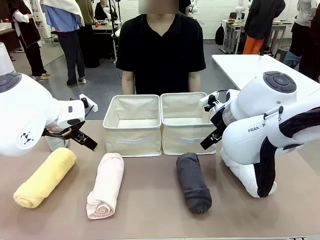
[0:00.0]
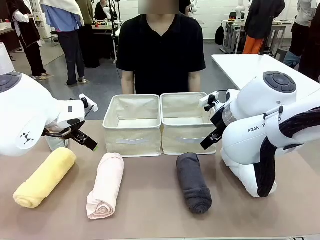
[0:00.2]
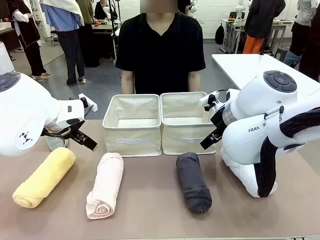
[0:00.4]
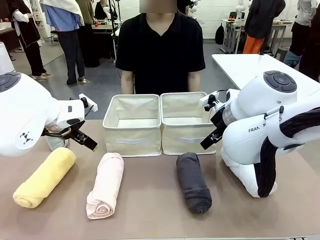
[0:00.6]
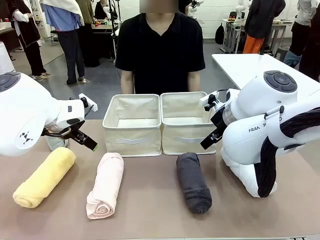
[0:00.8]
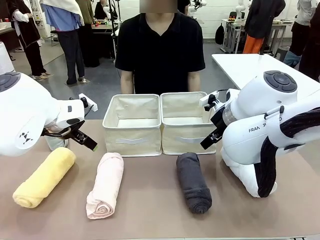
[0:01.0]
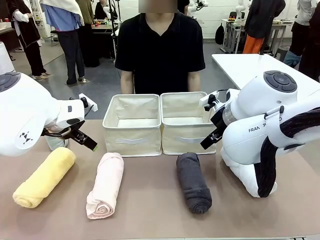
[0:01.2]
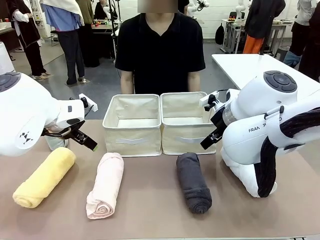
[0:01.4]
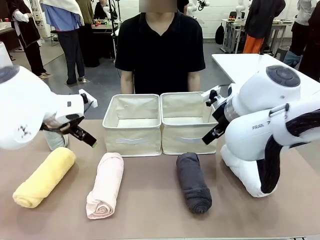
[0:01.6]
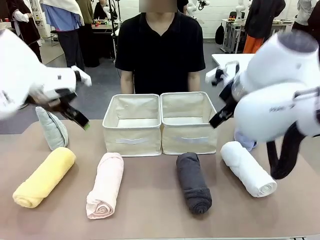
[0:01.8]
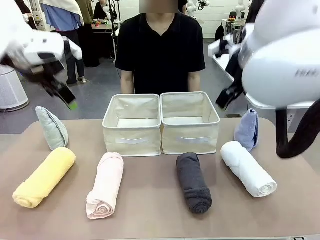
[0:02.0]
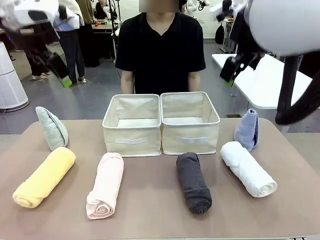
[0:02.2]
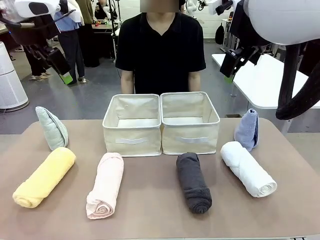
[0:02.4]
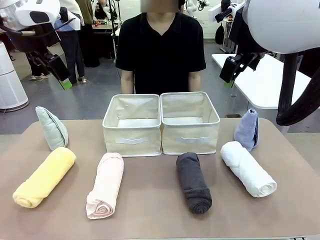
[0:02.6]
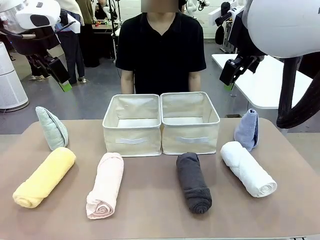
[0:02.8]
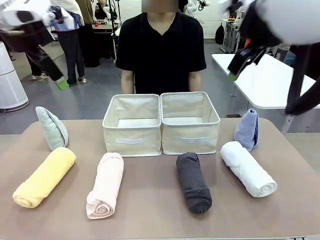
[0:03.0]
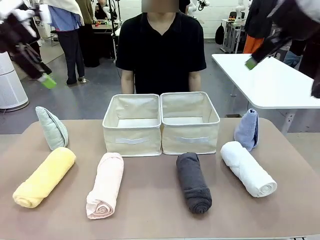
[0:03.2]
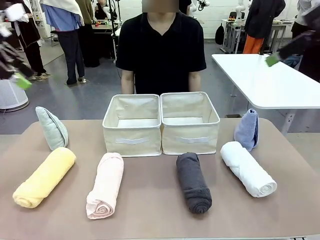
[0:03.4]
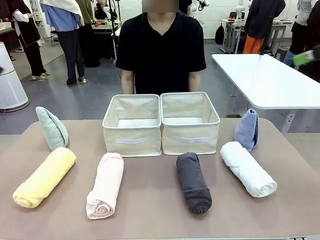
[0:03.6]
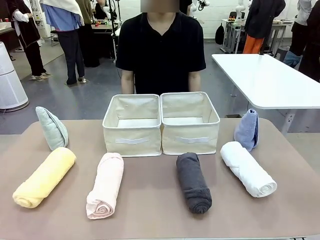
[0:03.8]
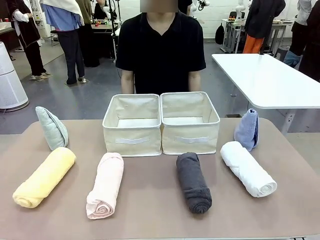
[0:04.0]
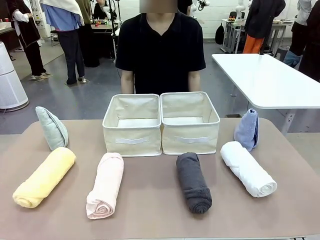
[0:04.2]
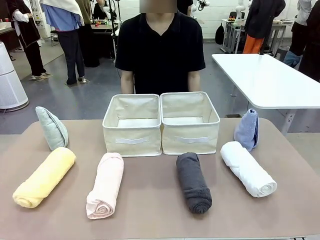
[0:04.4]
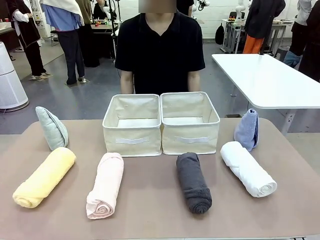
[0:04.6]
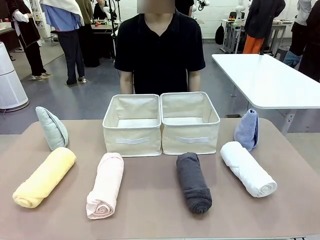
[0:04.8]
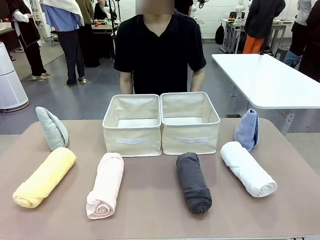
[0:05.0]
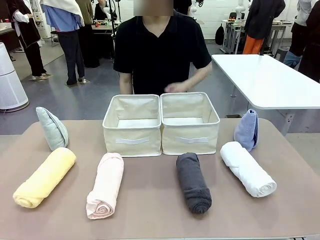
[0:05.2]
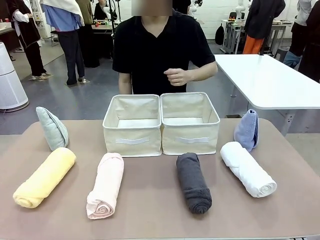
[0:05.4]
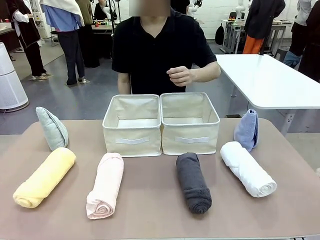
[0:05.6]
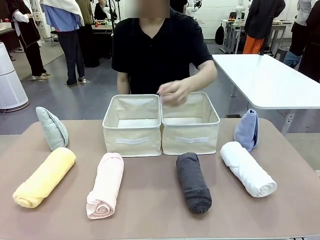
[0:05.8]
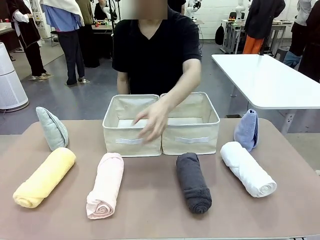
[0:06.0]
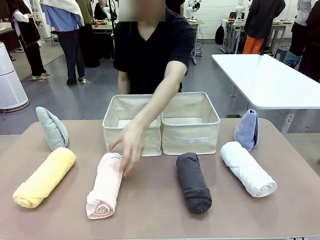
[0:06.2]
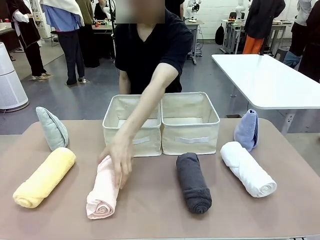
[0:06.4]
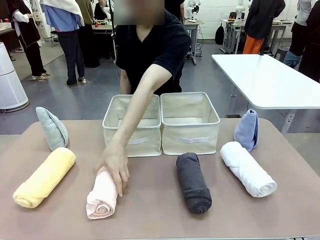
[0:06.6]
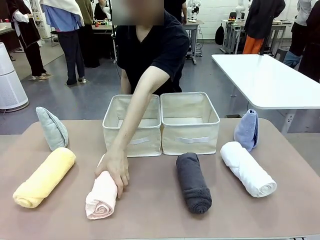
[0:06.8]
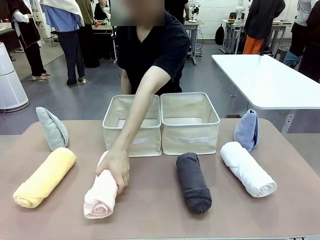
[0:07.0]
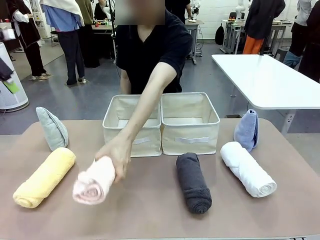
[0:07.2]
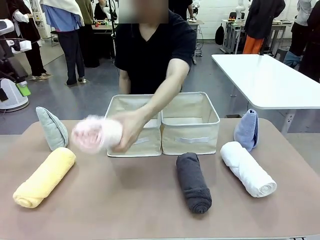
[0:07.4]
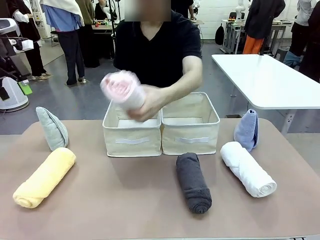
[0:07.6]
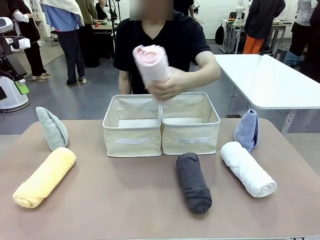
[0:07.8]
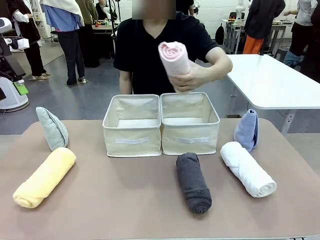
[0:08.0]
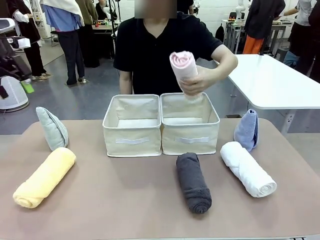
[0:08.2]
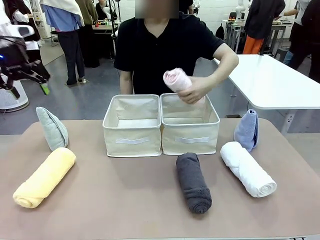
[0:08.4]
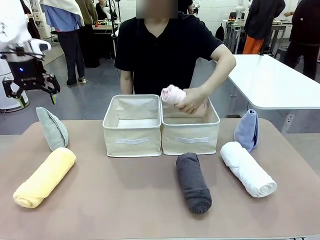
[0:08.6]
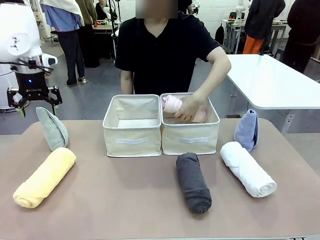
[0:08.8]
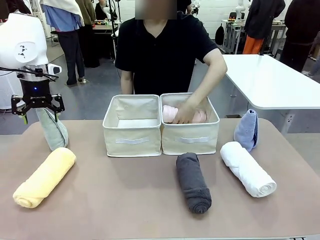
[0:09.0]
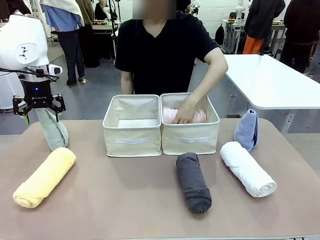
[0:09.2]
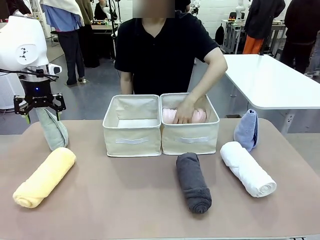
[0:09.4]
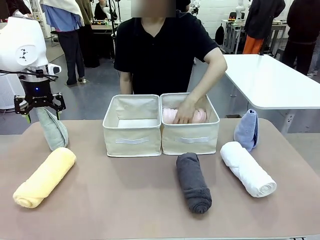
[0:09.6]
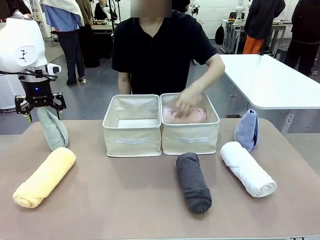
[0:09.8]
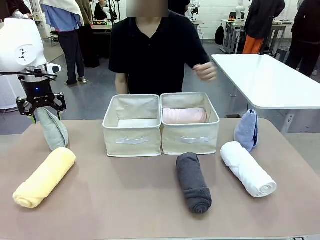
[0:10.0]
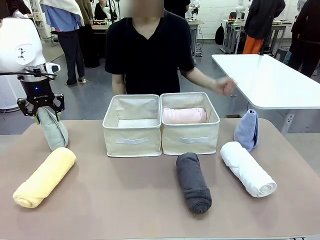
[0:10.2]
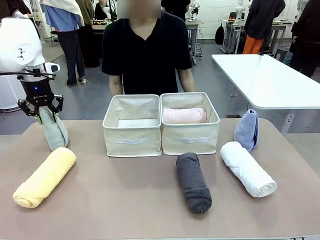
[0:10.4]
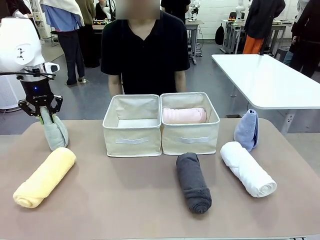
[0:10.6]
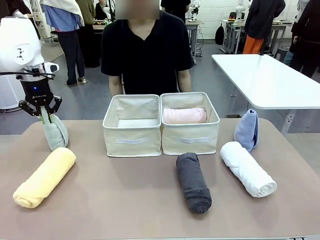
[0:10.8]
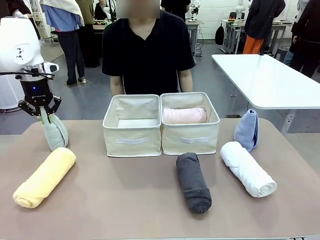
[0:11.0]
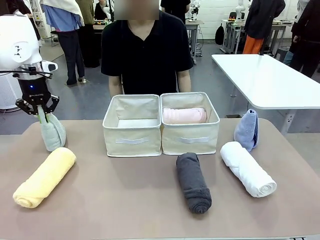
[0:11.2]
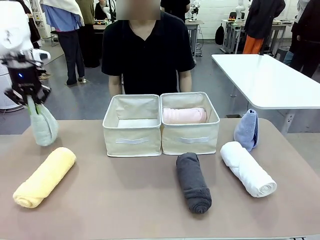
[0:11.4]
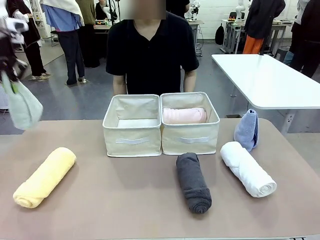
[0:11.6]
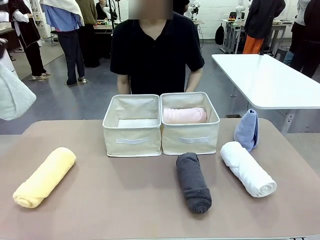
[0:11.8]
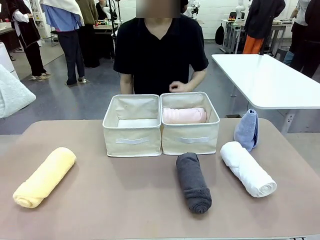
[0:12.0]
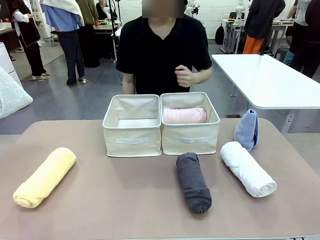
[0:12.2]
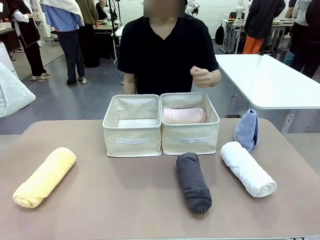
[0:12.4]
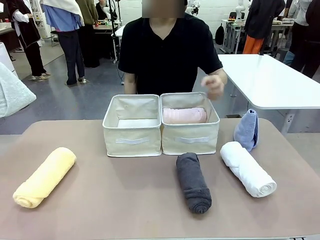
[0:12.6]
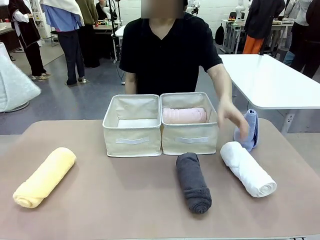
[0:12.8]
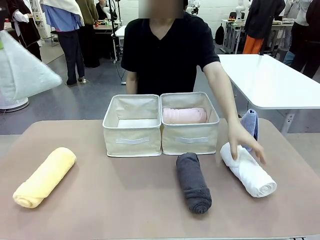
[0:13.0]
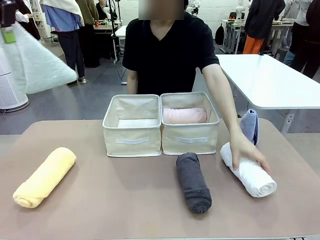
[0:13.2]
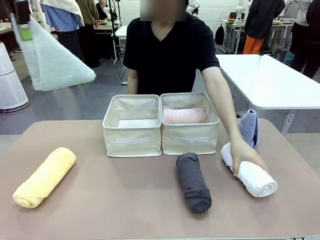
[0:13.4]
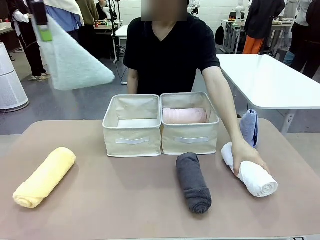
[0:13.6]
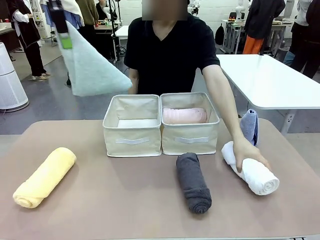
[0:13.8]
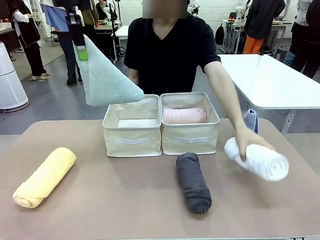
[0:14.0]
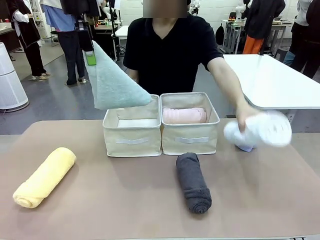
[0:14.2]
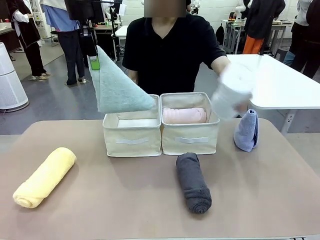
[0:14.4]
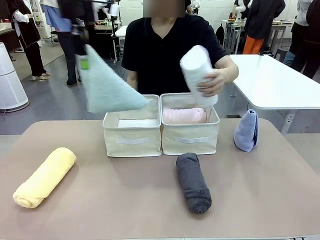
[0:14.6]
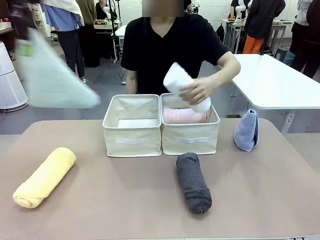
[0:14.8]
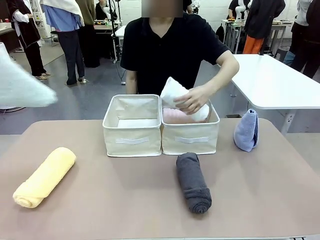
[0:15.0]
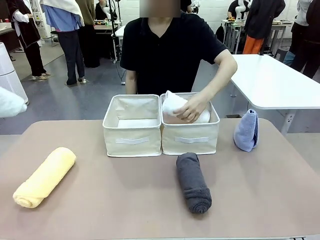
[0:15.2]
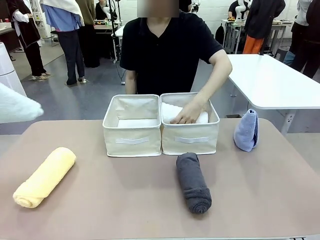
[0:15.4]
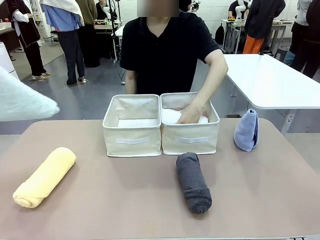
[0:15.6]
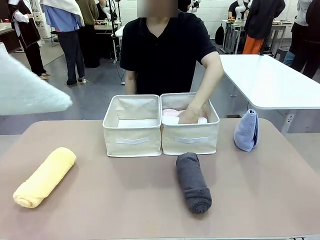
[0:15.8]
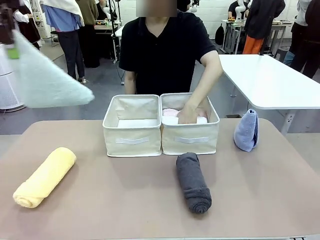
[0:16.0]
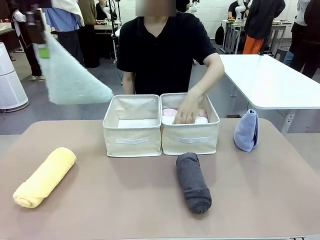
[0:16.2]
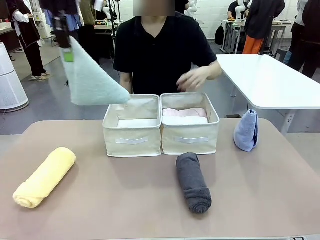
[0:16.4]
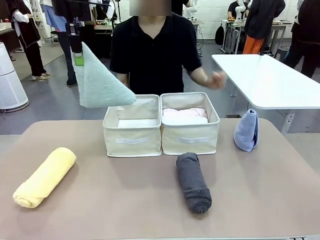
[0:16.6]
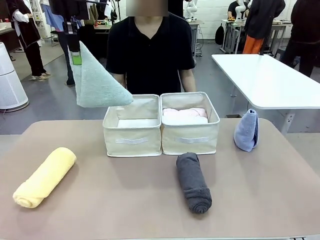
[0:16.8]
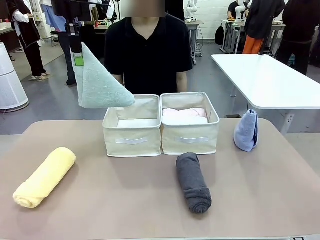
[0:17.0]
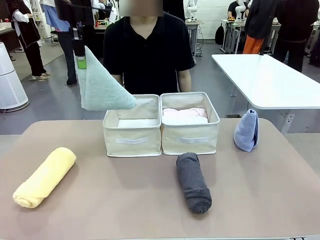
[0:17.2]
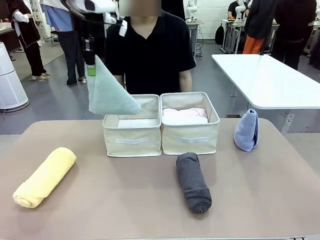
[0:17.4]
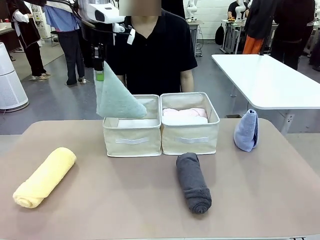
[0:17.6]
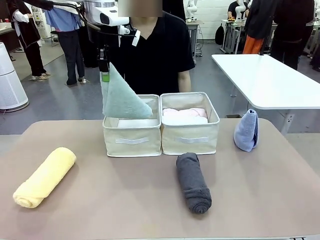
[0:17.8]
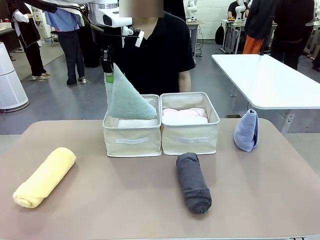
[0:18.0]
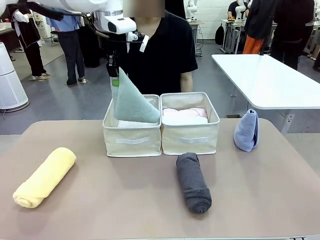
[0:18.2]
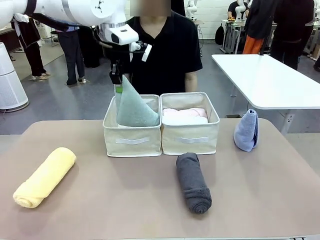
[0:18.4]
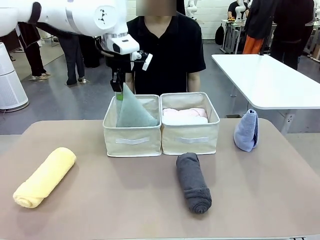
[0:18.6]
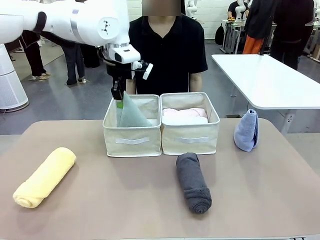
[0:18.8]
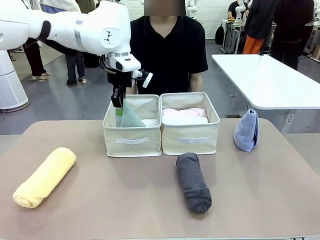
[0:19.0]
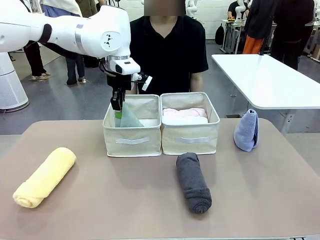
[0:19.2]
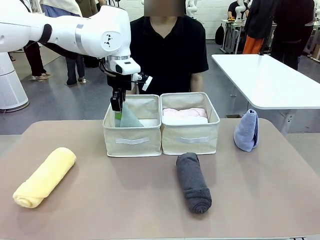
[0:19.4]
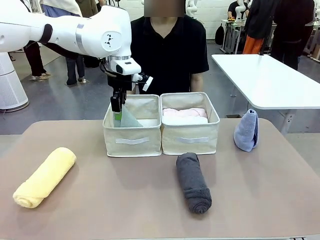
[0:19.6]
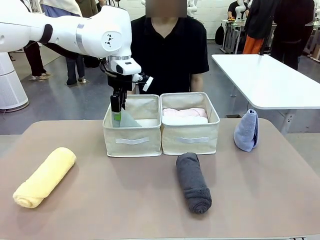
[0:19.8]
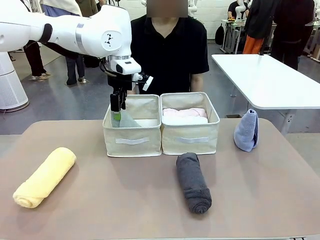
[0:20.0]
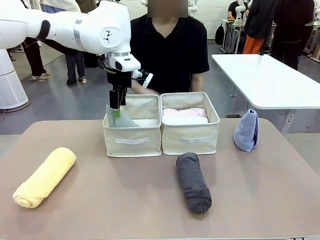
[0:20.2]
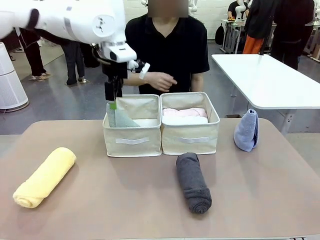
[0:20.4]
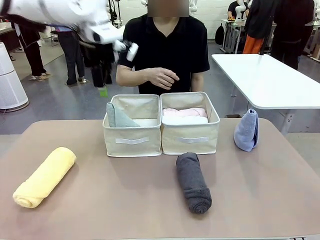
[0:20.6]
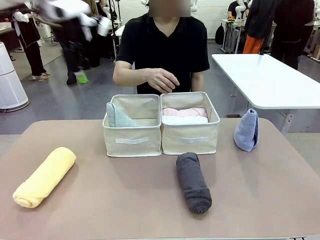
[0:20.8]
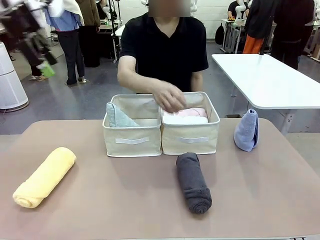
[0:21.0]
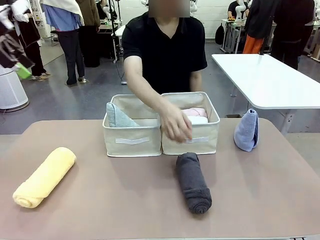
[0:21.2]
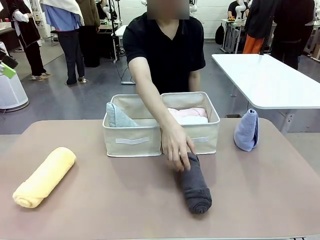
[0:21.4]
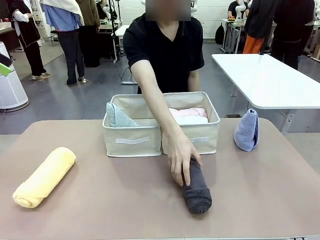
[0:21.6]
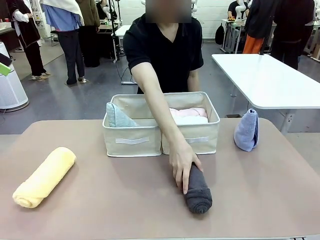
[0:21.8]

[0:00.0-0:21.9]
Task: Sort the towels based on their folding style.
Robot: Pick up one triangle-folded towel and place it in the left Fabric basket.
Person: Pick up one hotel-style rolled towel and place it in the left fabric basket.
